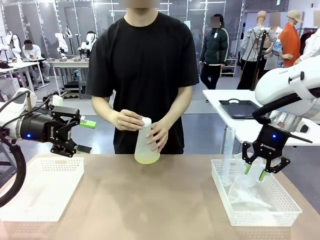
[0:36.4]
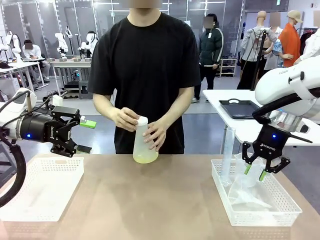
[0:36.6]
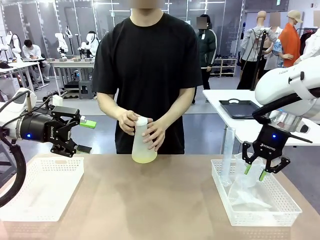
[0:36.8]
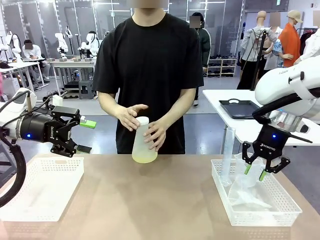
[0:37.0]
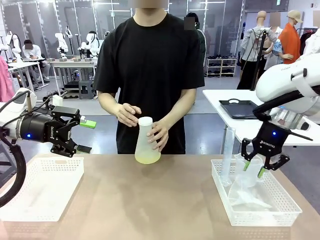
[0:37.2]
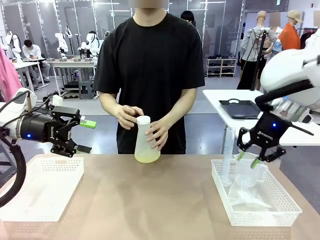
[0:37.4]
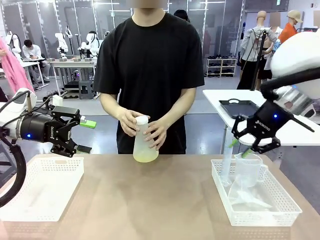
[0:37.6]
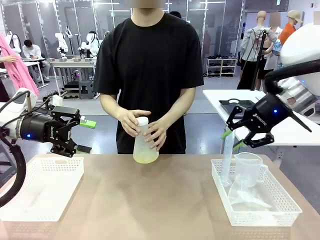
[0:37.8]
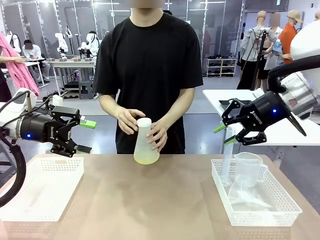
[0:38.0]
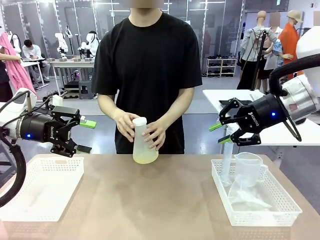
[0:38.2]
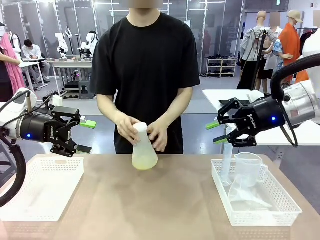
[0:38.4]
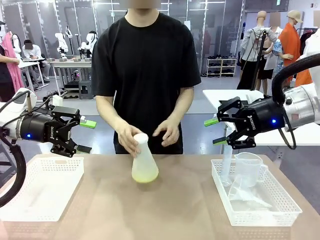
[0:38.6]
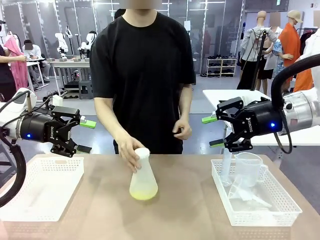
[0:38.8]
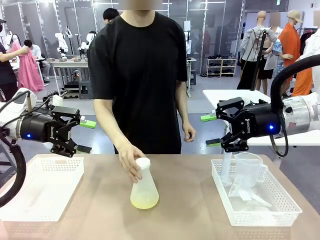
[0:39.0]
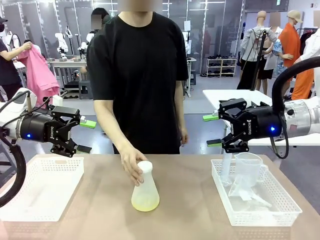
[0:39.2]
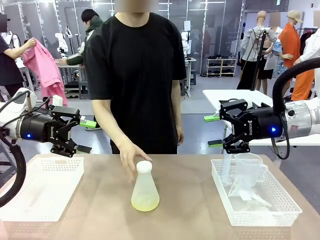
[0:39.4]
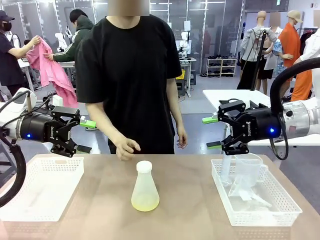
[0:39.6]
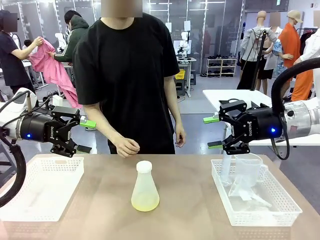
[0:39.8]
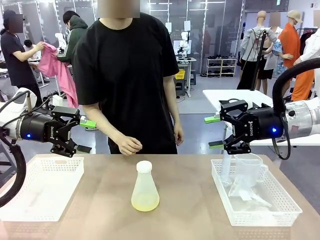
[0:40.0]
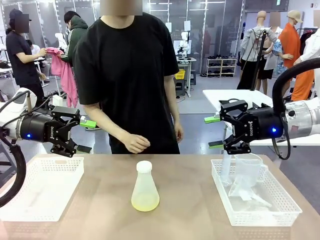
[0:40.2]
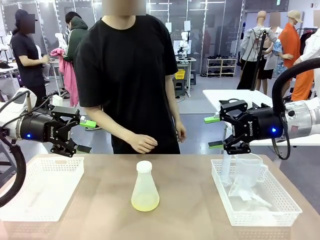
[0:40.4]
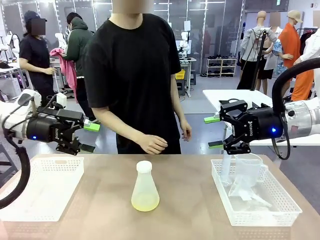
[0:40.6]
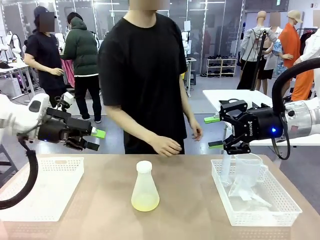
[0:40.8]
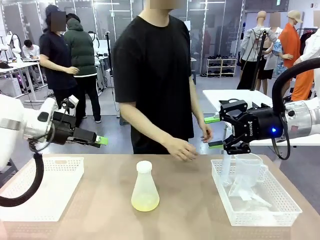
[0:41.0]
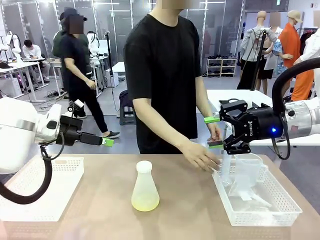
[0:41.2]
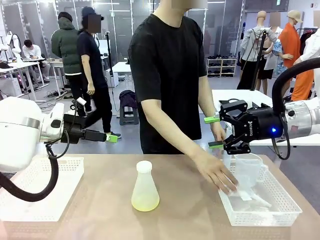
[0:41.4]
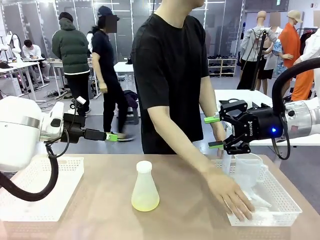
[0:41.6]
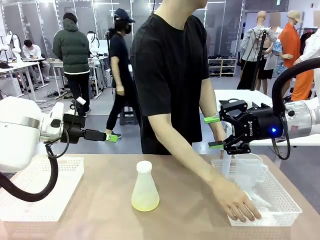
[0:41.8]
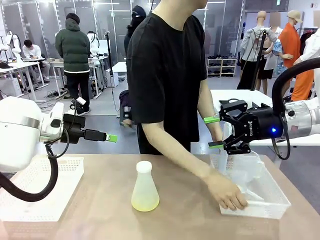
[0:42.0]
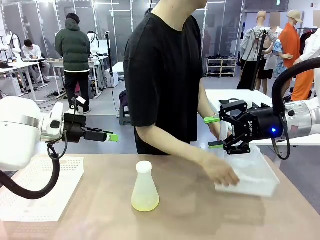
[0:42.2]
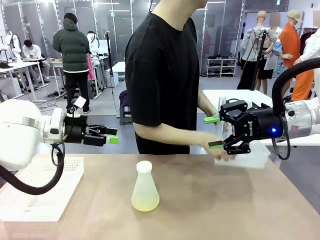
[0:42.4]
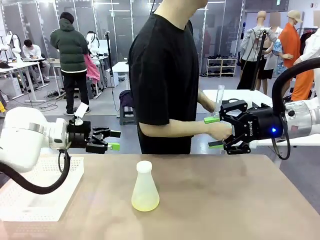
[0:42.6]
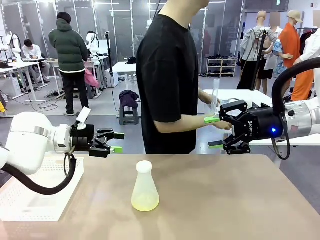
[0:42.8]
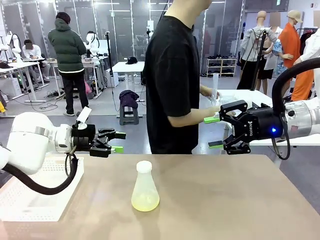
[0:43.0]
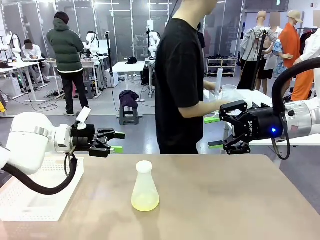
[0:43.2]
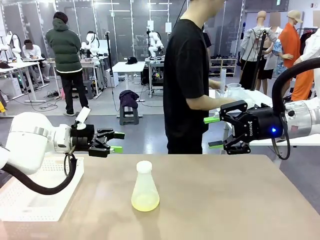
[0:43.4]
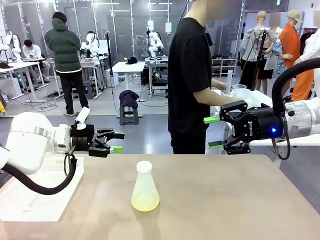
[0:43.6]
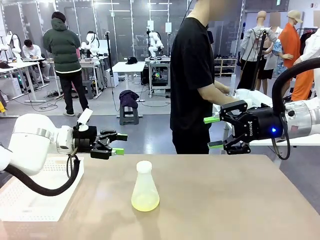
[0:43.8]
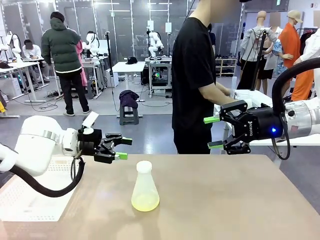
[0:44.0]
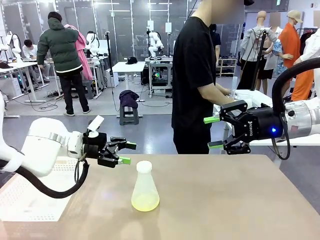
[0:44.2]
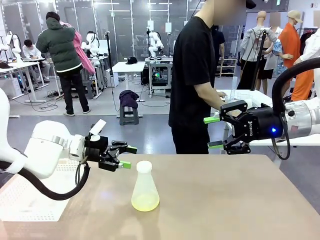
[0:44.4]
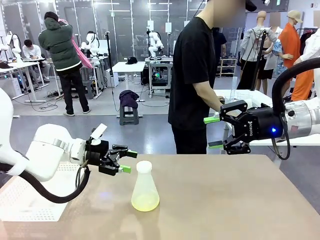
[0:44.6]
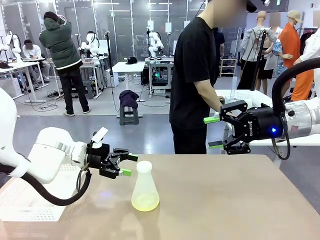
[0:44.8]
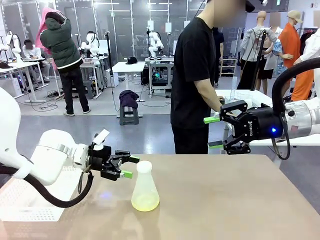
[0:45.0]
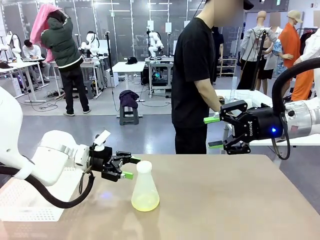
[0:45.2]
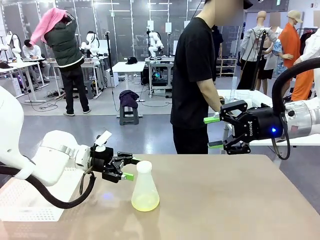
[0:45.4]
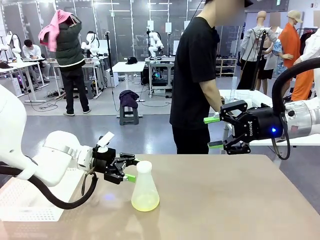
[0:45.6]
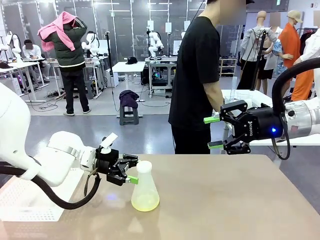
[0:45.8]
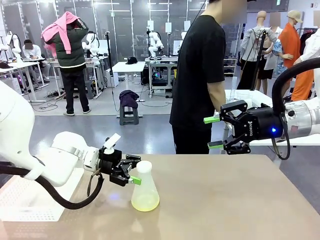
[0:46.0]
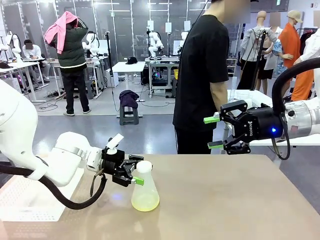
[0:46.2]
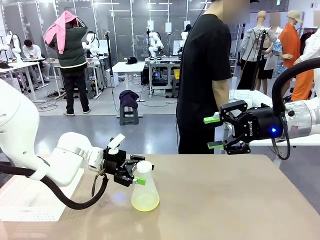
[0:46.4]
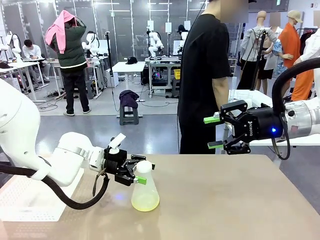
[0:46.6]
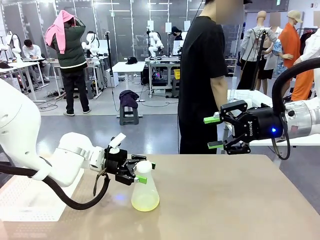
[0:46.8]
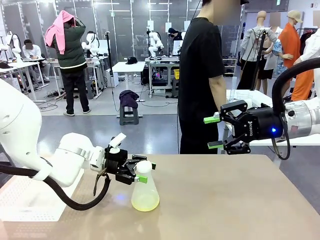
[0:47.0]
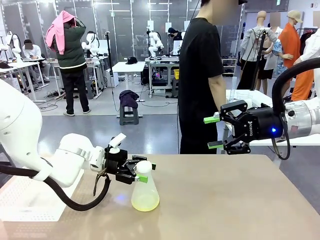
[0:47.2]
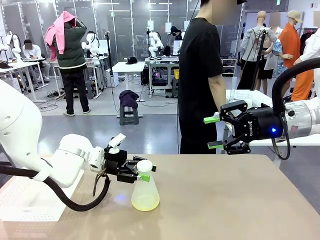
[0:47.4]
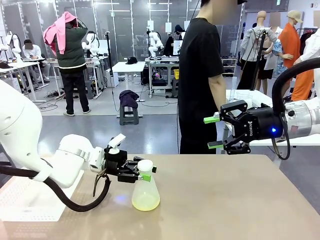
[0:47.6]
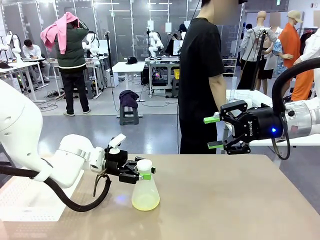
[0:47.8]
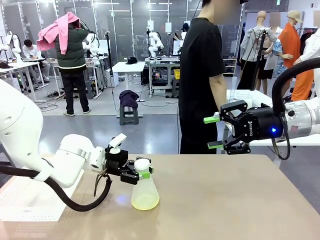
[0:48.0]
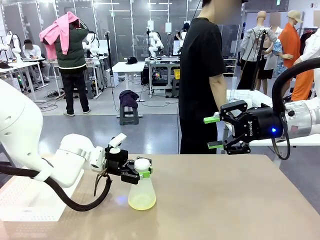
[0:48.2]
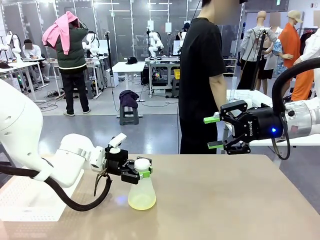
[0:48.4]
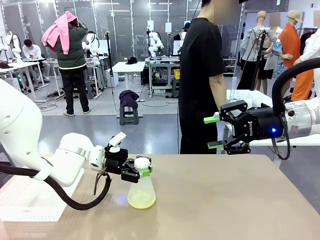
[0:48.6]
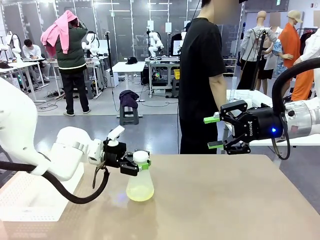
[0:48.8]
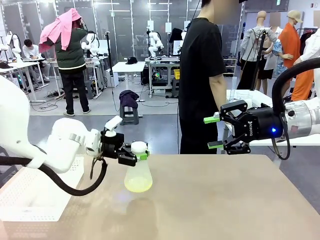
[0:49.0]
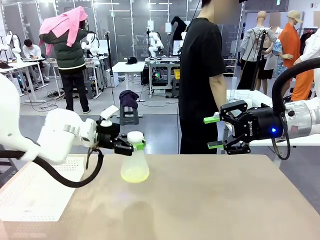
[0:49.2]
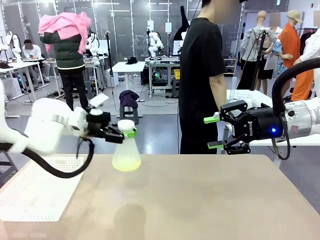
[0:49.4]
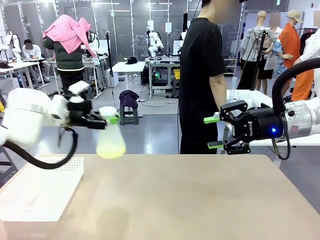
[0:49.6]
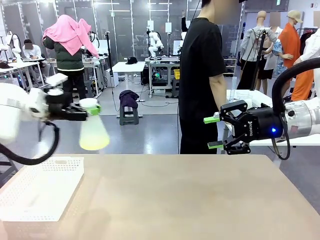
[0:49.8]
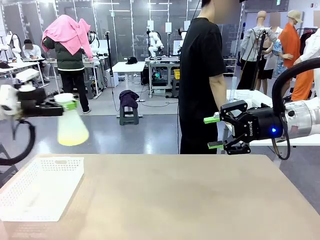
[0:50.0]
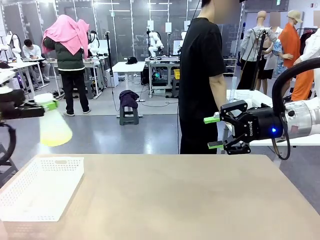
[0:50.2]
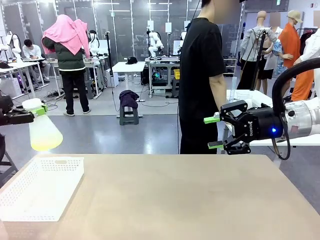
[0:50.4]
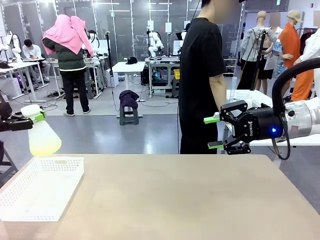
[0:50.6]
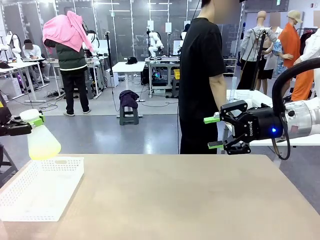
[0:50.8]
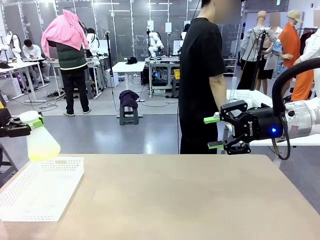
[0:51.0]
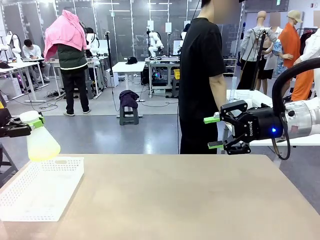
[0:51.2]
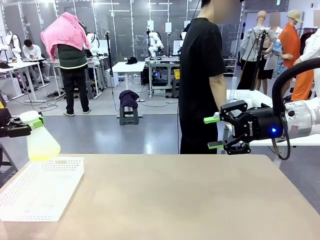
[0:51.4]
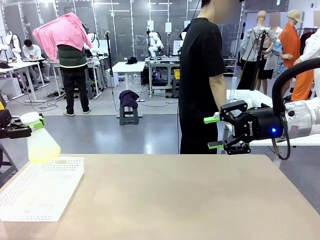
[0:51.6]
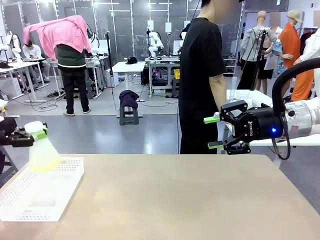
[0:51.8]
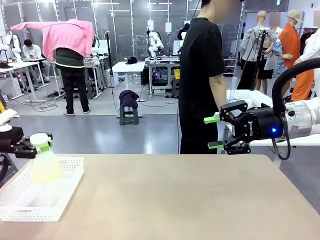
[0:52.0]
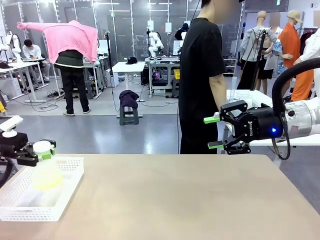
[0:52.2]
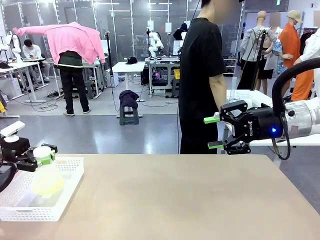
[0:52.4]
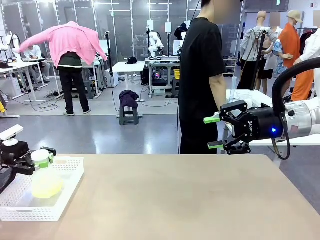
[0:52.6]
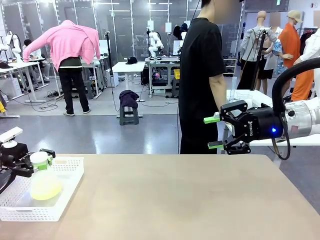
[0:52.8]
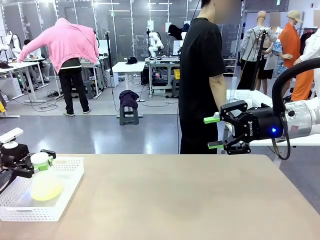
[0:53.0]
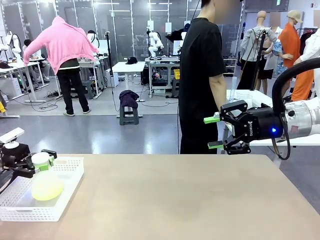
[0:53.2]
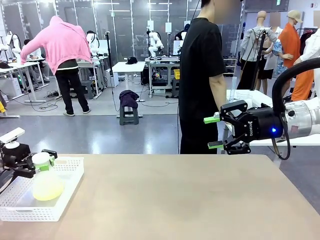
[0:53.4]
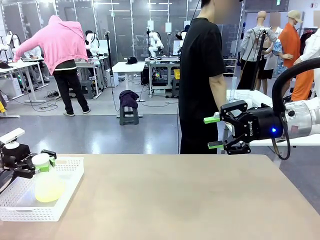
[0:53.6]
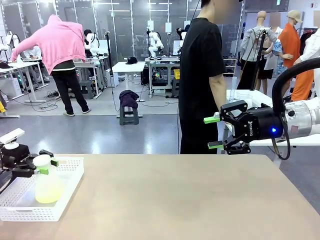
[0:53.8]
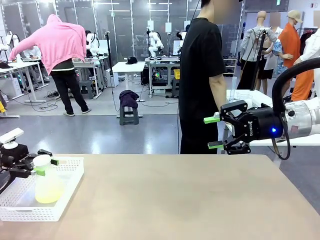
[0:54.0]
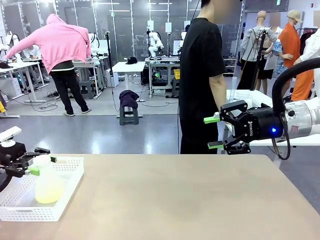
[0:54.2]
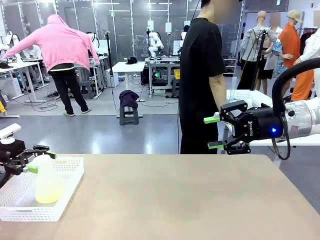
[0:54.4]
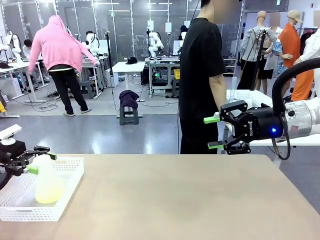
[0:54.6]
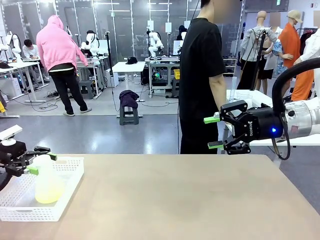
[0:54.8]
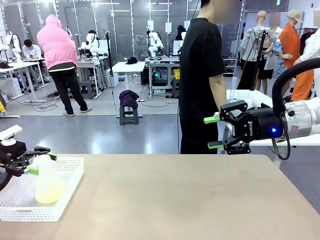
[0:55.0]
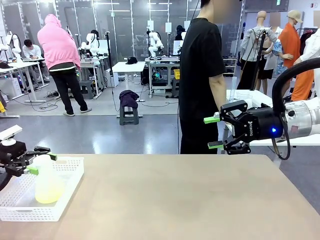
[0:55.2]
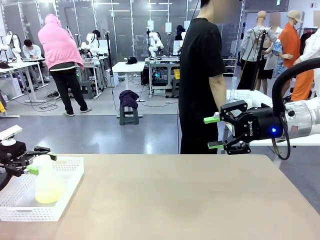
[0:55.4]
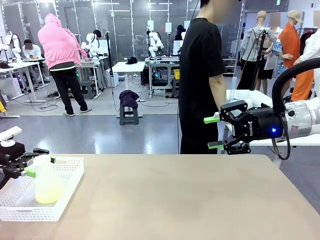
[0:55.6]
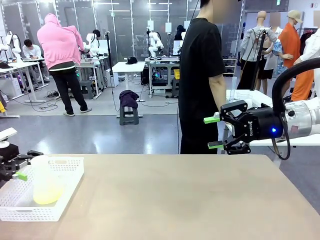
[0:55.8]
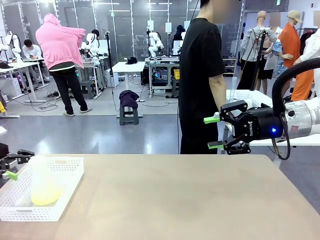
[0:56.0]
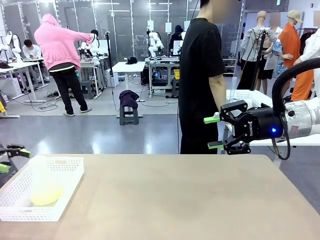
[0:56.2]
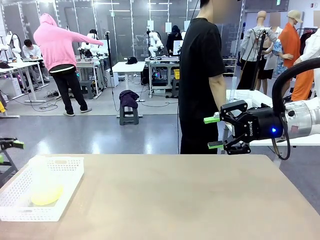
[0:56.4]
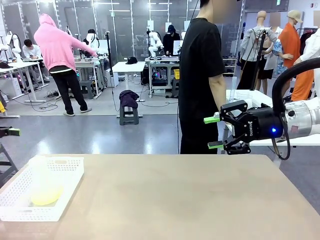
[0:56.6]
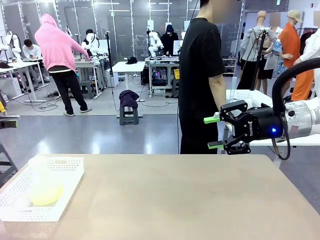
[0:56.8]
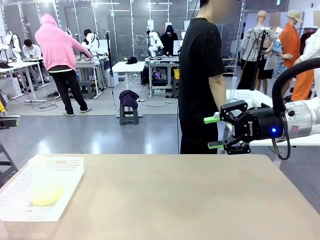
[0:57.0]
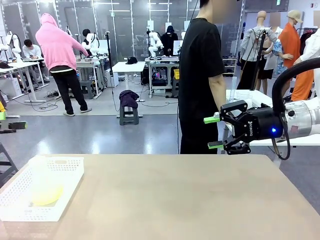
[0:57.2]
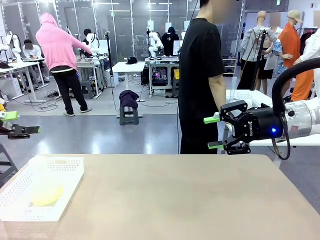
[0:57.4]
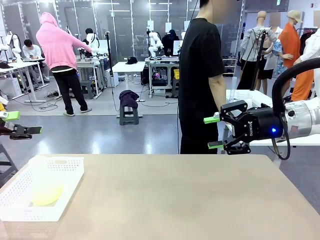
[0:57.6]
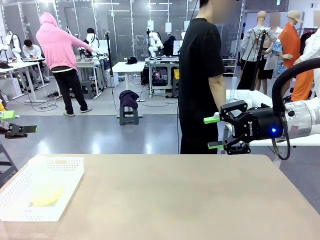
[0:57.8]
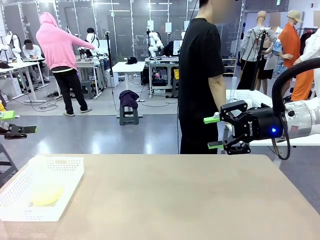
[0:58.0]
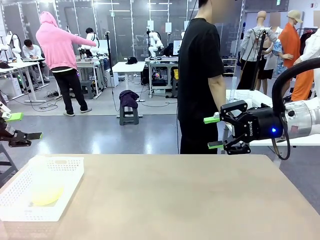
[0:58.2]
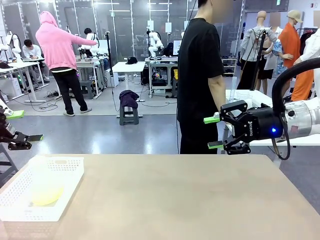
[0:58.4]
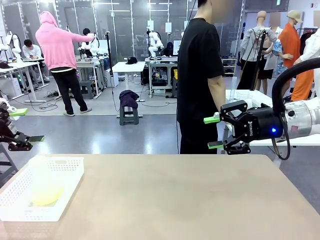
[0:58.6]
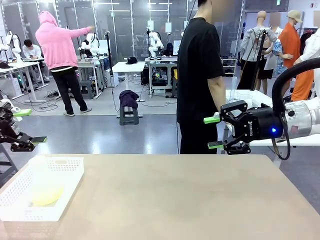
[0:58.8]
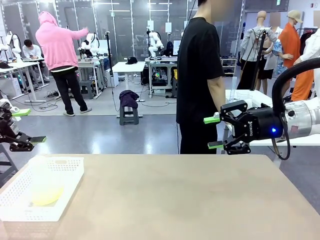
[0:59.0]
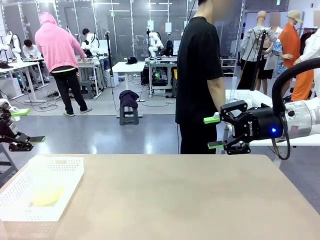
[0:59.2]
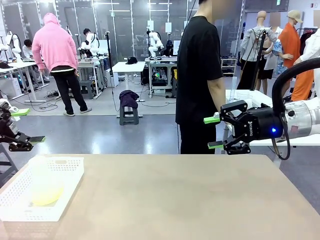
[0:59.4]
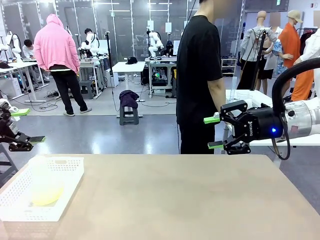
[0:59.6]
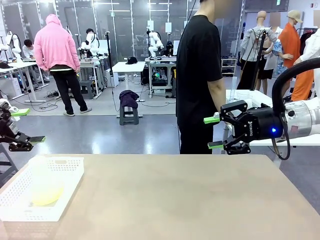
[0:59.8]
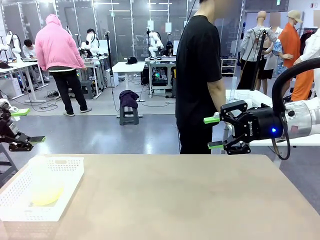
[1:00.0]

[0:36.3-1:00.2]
Task: Prepare the solutions needed for the experiment.
Robot: When the human places the Big flask in the center of the table, pick up the Big flask and place it in the left Organizing basket.
Person: Pick up the organizing basket on the left side of the robot table and place it on the left side of the human table.
